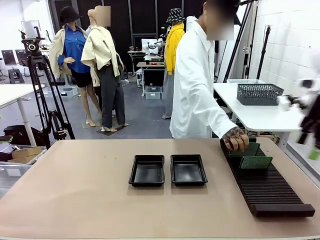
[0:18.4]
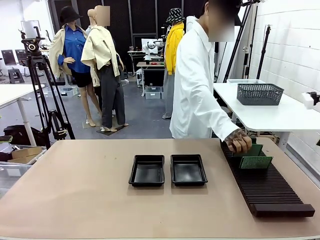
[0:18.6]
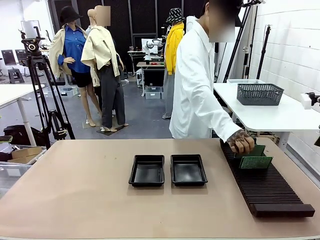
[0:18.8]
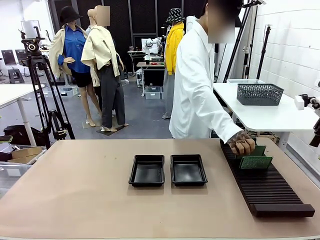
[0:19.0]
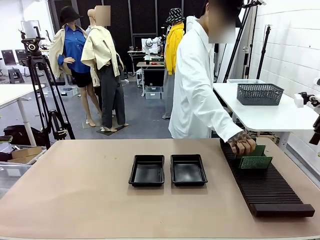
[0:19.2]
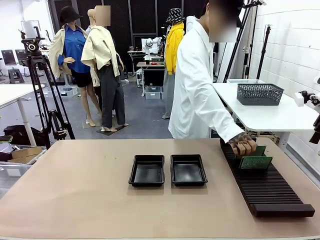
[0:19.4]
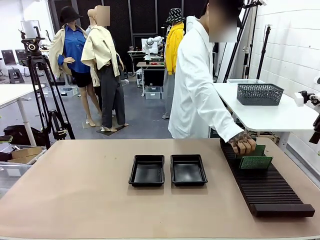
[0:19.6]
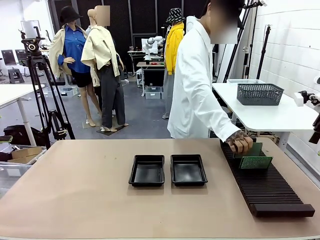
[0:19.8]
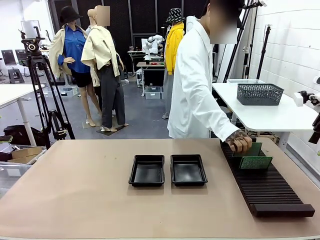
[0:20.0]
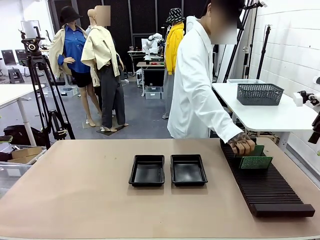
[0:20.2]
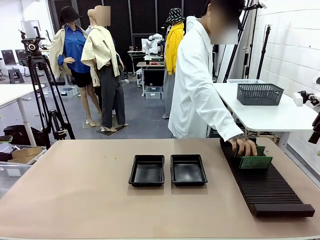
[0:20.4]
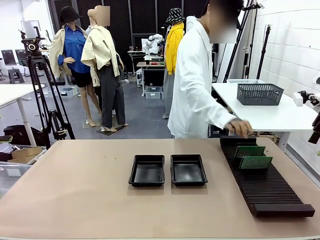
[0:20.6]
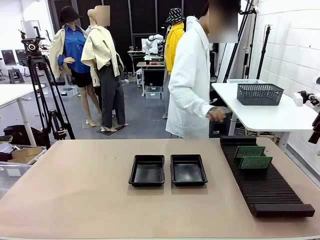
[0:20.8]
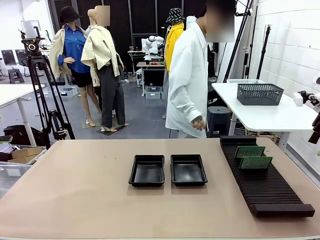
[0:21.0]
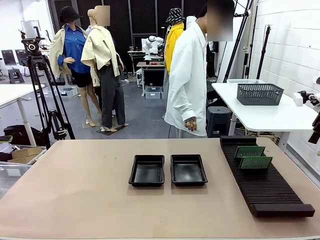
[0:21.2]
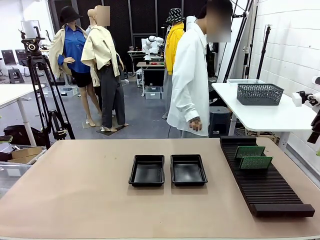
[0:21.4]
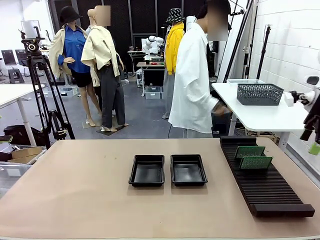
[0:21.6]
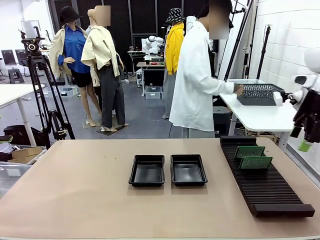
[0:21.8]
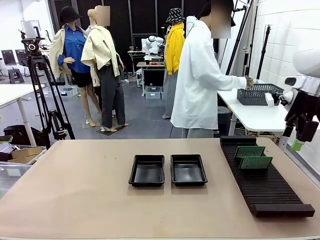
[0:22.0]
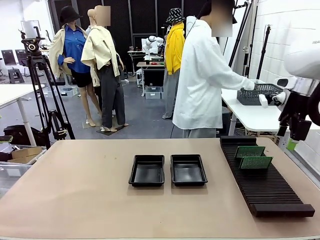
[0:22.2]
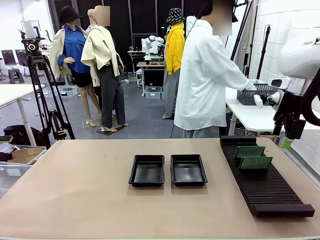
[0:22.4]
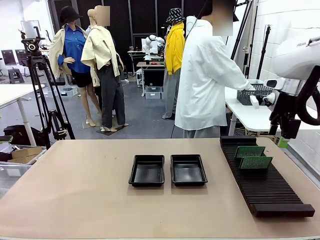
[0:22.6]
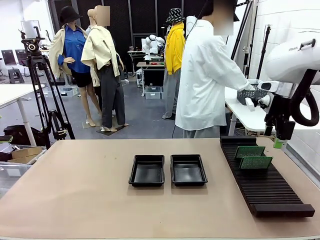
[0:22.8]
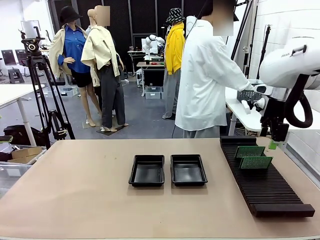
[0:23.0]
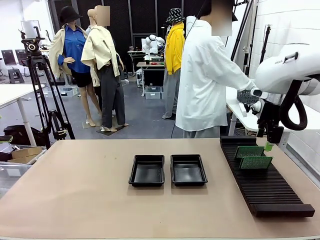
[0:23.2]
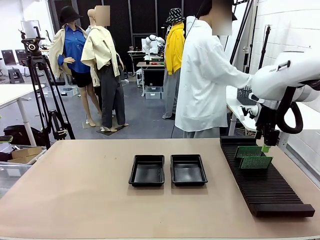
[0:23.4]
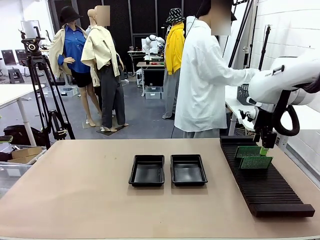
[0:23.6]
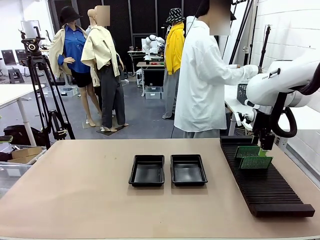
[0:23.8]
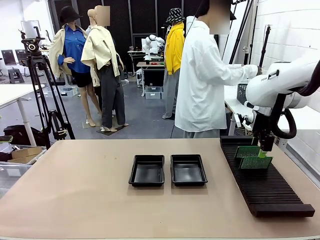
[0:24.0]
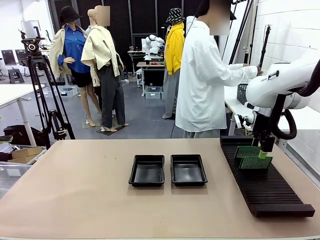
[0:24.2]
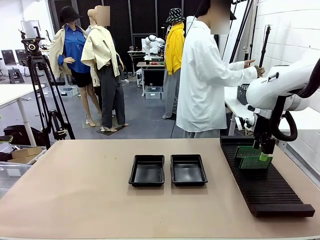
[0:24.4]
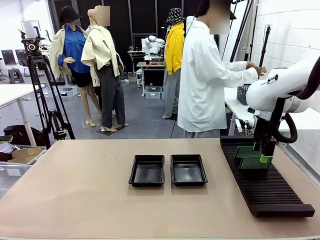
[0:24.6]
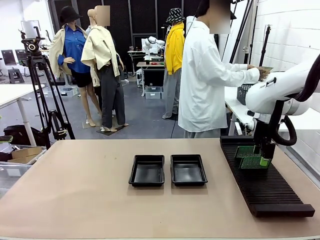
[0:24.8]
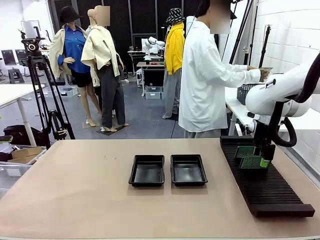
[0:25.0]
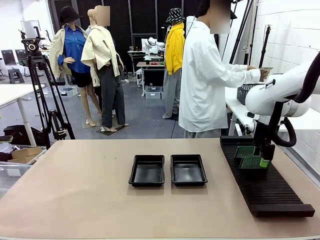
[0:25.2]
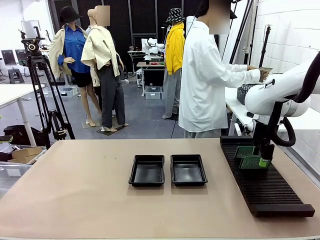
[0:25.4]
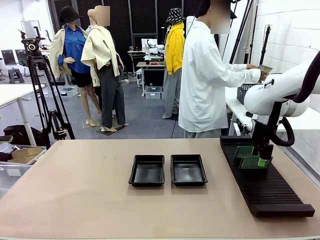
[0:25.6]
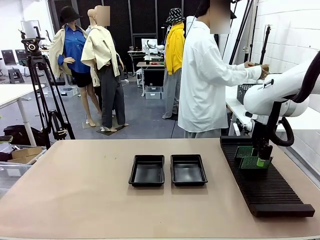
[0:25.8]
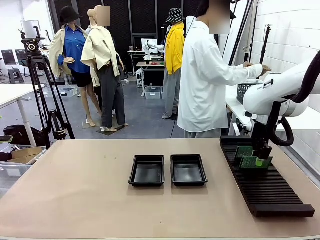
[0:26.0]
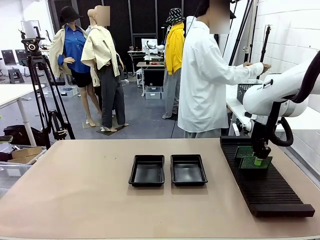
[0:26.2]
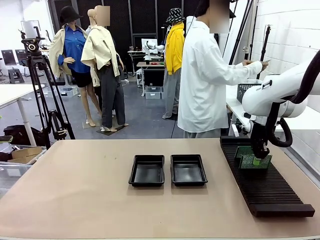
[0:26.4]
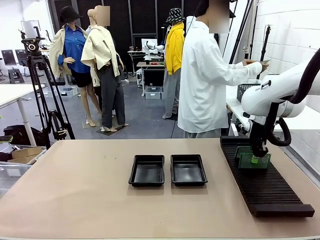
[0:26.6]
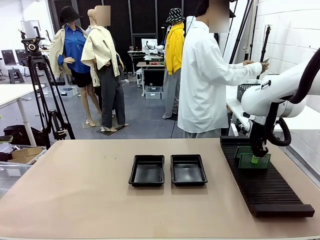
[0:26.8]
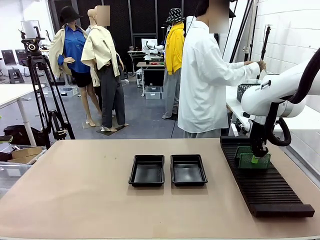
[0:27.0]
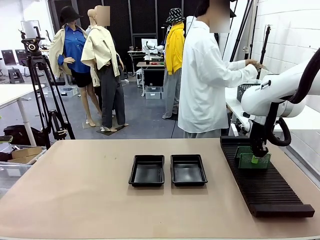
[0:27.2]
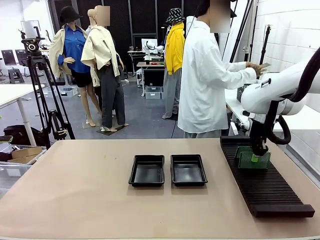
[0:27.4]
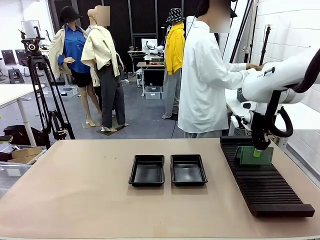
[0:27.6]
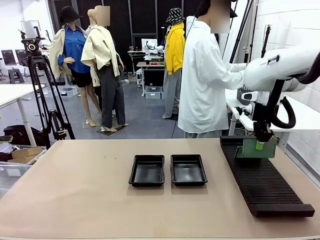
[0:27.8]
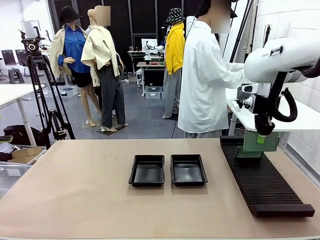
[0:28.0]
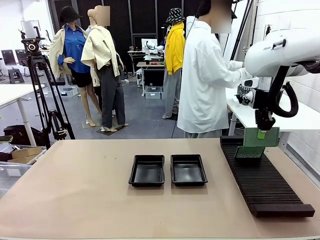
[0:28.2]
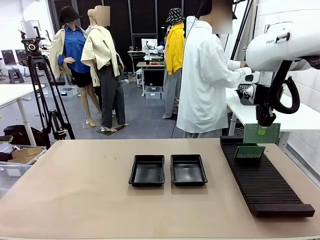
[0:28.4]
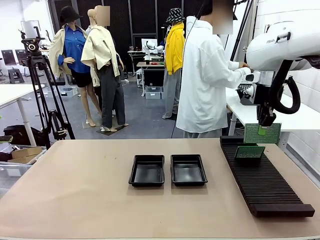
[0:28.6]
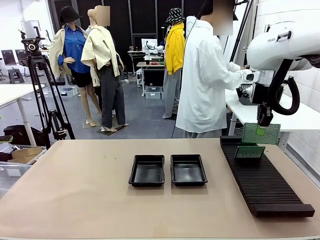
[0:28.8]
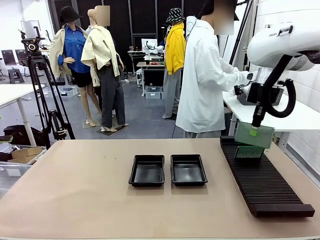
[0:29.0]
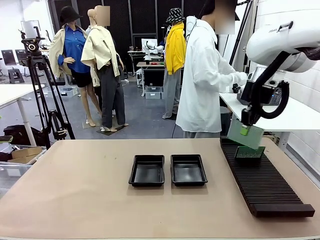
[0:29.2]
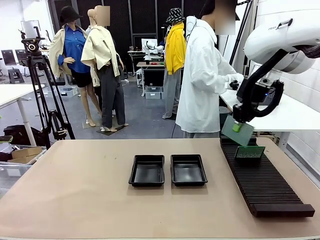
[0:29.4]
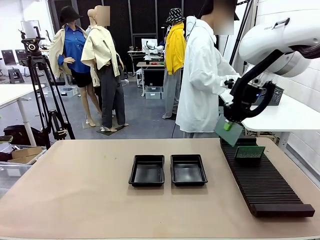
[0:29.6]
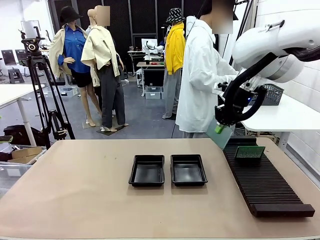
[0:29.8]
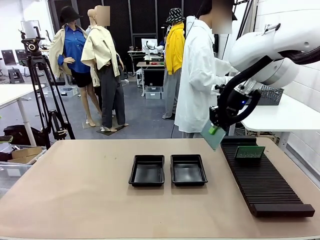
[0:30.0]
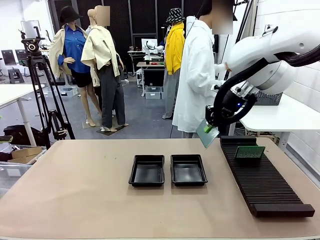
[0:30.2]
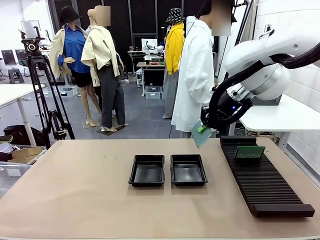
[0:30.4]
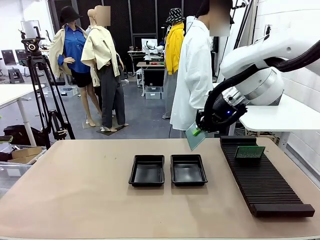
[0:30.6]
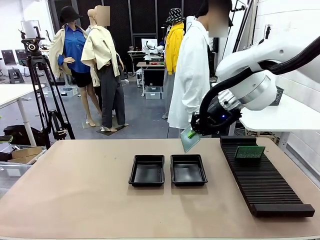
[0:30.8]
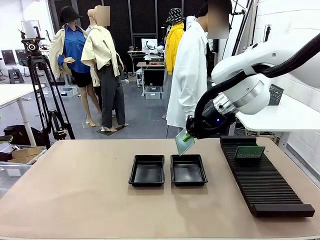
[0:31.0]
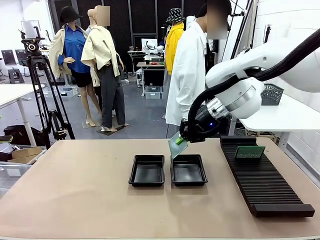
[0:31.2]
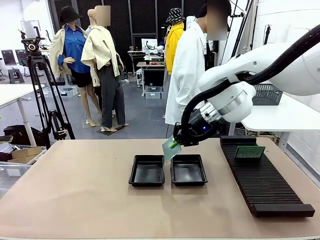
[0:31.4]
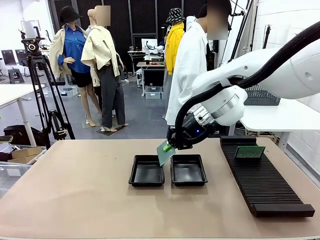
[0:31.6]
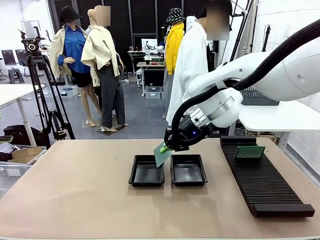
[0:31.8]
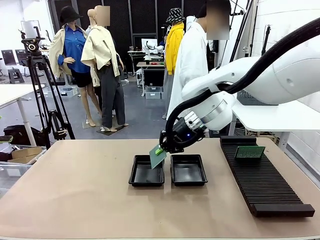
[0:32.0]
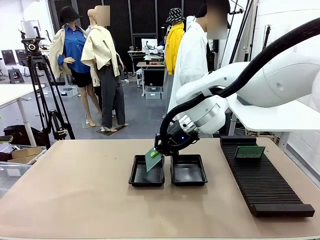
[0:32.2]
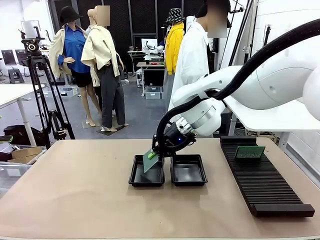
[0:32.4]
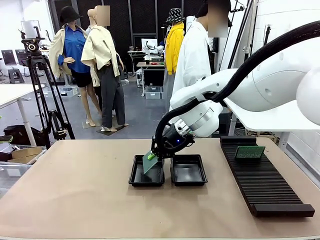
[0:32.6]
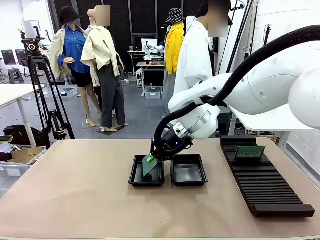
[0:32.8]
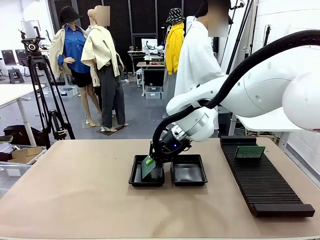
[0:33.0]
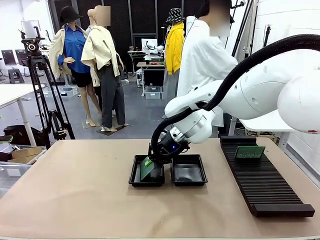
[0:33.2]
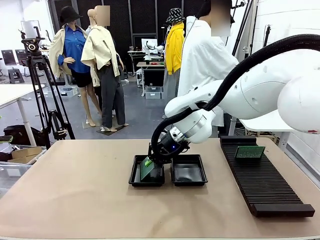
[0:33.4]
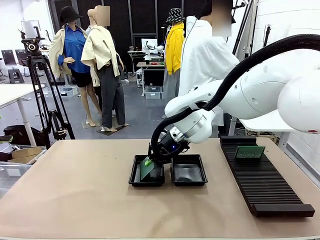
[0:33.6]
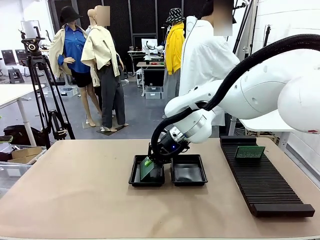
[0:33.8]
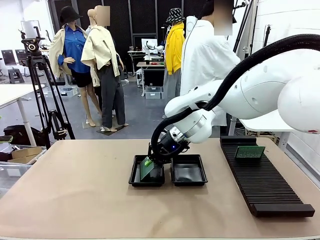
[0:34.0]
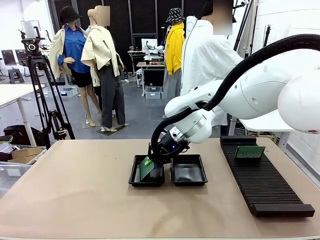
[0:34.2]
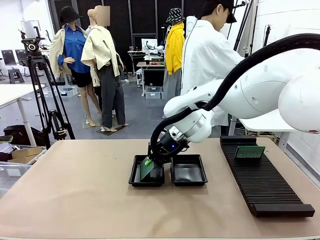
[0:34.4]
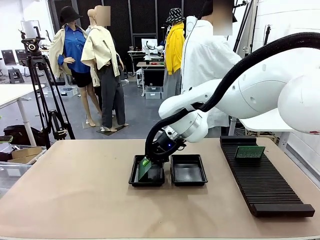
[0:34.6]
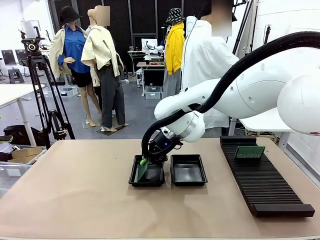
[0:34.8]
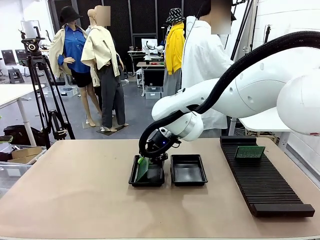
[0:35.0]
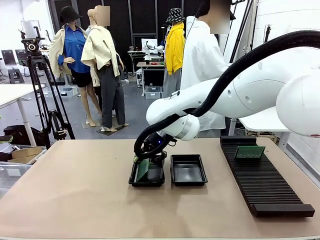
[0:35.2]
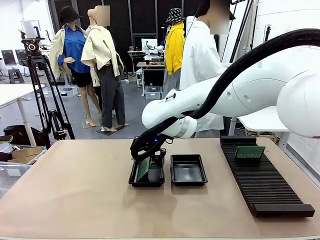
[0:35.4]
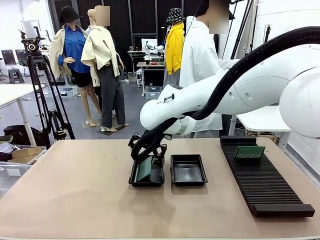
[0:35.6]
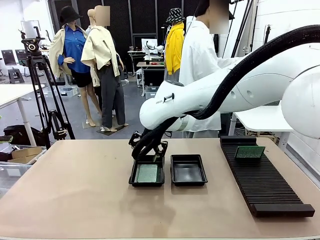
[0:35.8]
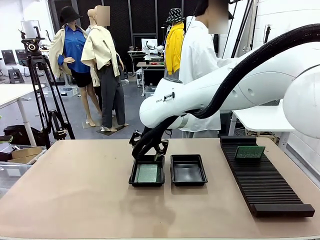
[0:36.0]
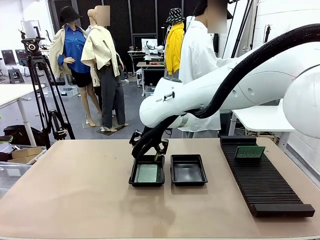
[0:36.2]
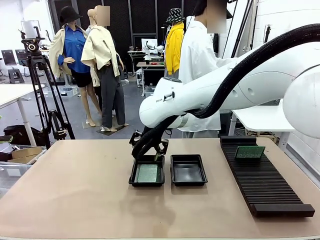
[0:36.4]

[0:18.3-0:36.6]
Task: Inspect and transfer BCBs to ESD trays.
Robot: Pick up the Blank PCB from the PCB Rack and place it in the left ESD tray.
